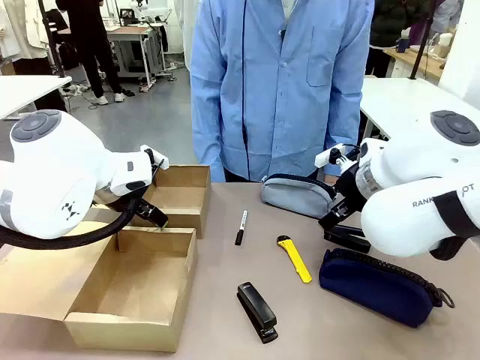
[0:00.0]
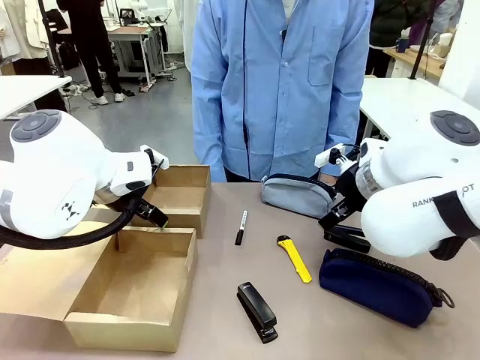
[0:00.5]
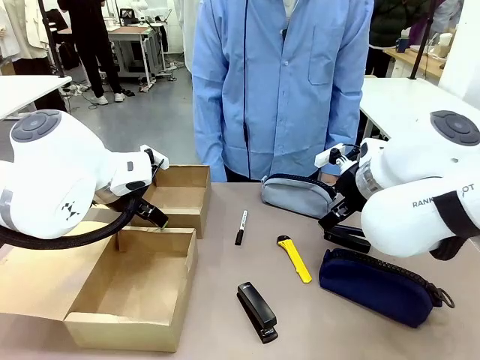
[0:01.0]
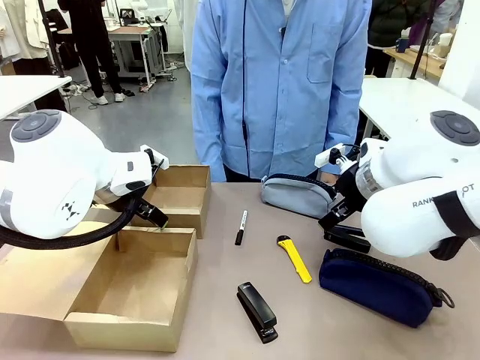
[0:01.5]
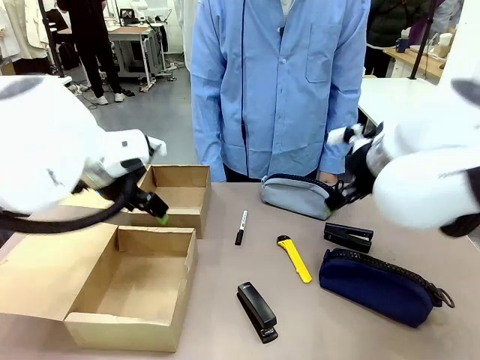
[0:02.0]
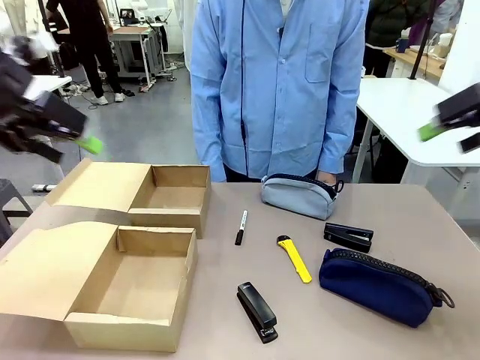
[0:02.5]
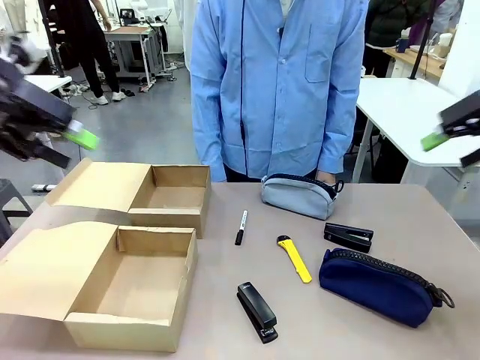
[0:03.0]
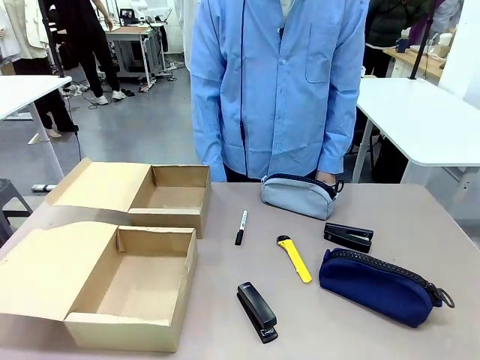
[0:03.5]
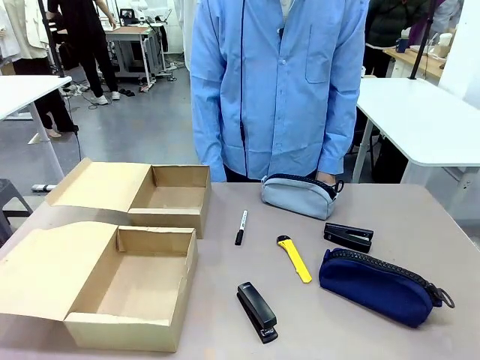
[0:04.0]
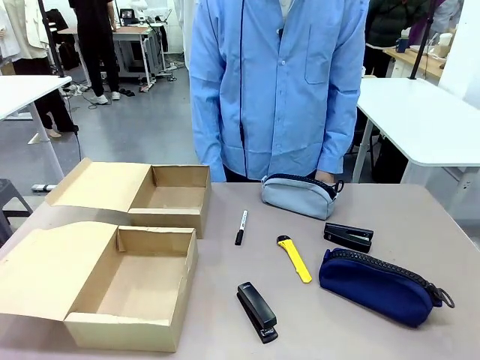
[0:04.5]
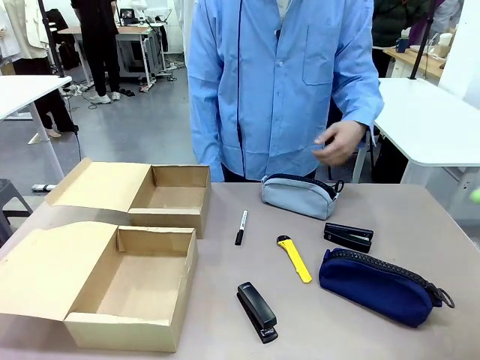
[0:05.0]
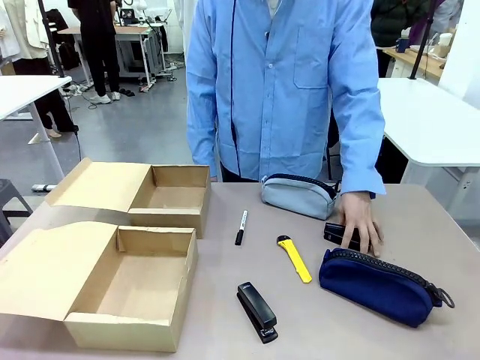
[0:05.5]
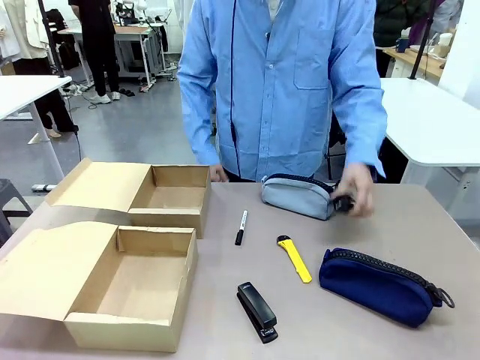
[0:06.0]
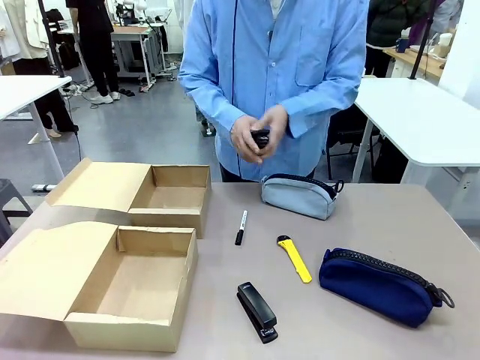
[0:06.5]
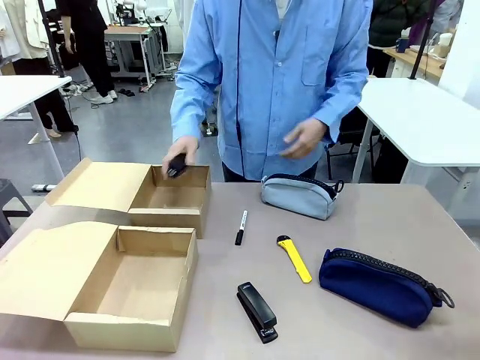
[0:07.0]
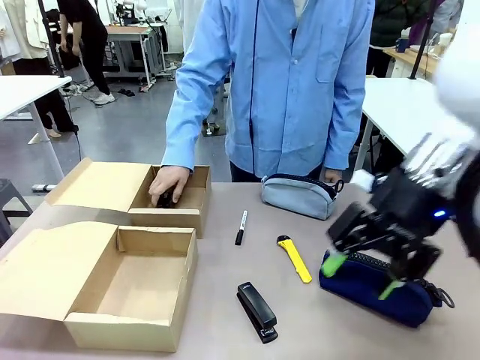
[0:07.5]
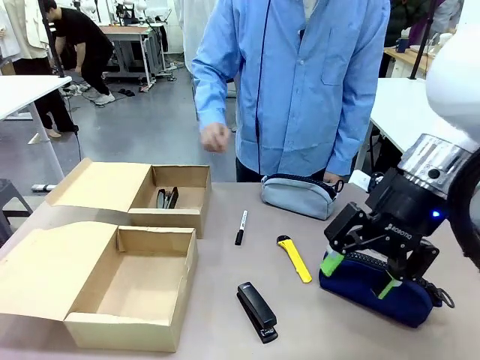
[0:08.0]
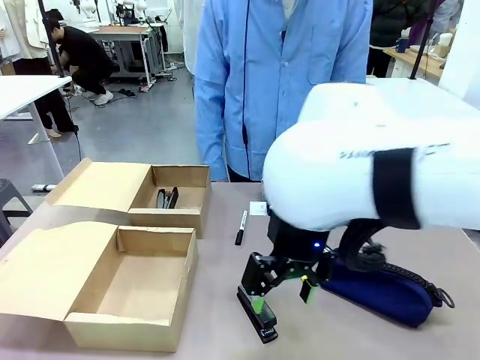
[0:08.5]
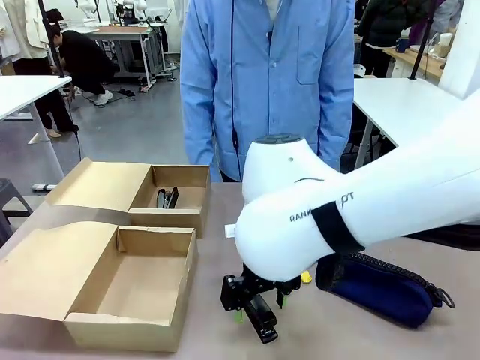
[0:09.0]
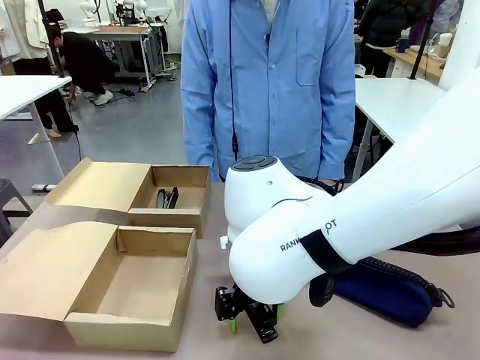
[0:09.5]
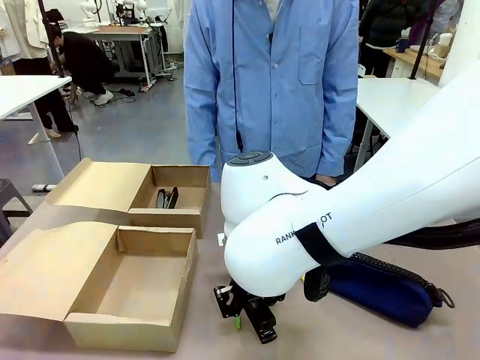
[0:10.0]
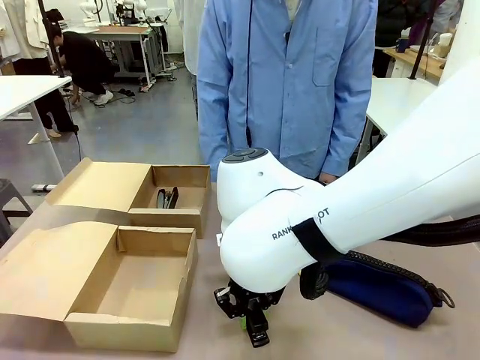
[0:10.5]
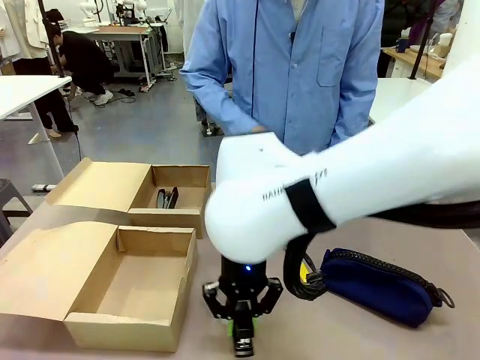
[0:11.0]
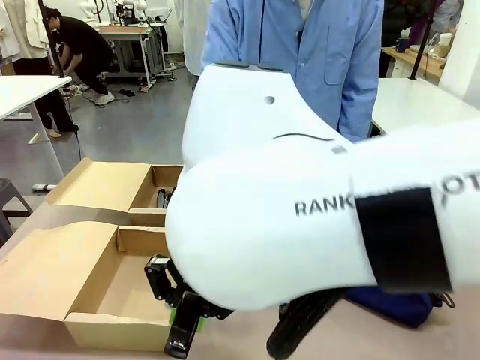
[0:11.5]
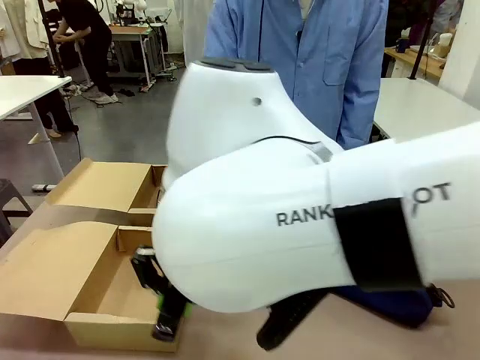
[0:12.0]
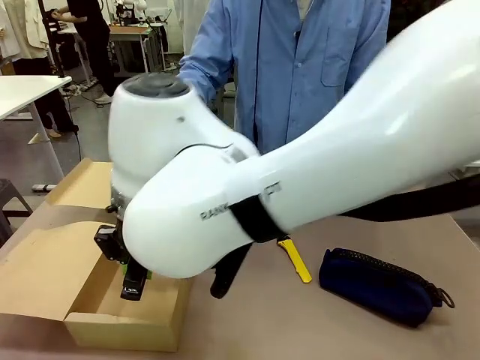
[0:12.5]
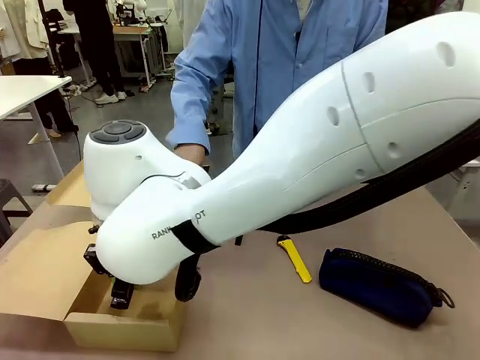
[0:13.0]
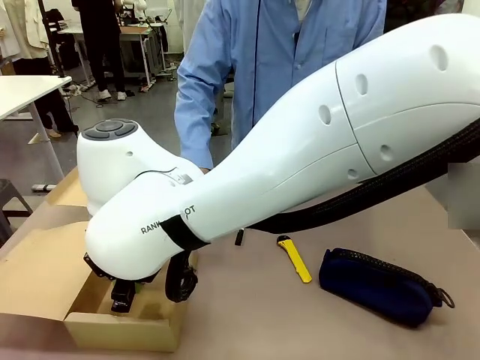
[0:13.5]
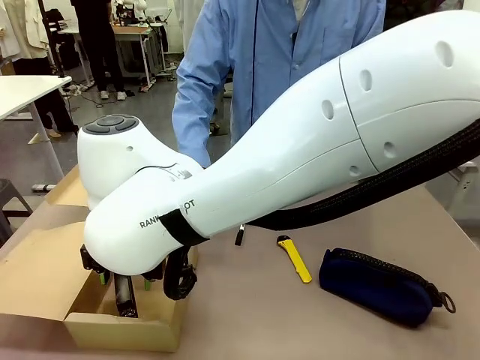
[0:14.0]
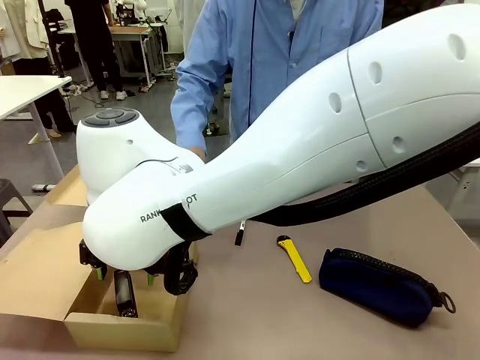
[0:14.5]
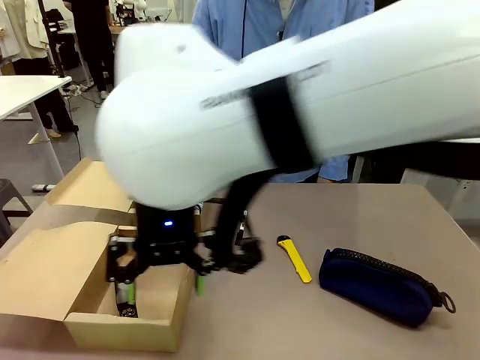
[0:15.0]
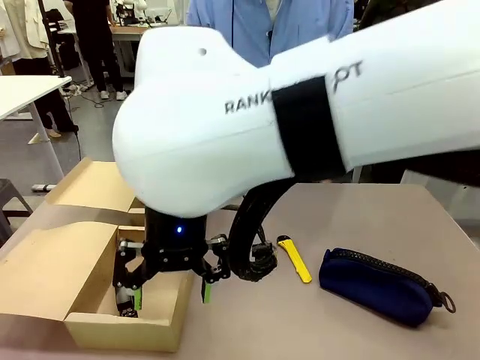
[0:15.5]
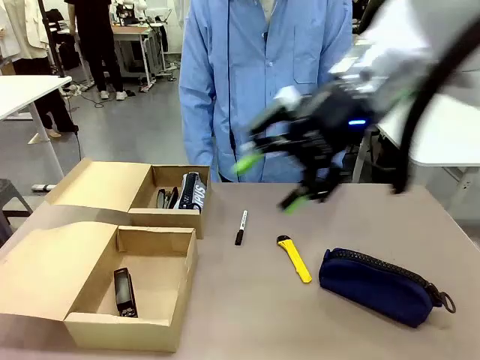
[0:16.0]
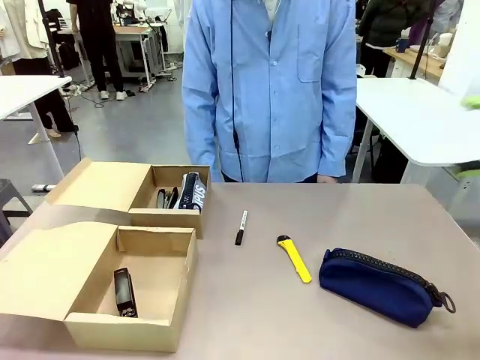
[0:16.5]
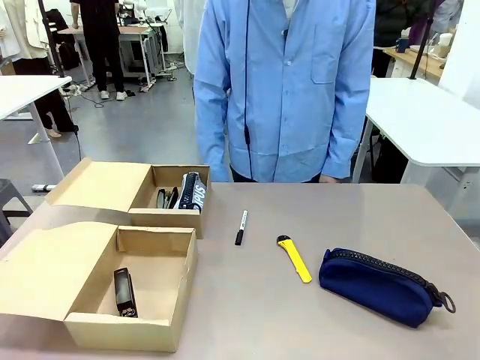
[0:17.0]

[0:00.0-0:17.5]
Task: Place items inside the box.
Robot: Pick up a Pencil pouch or Stapler and place it inside the Mailer Box closest to the robot.
Person: Pick up an object on the table and put it in the box.
